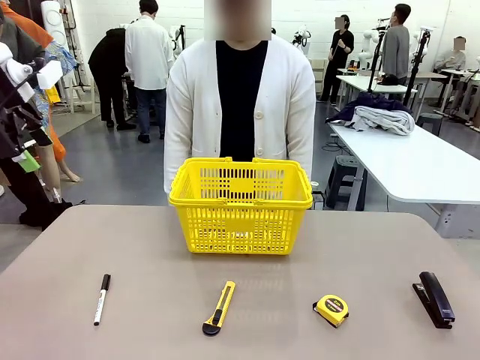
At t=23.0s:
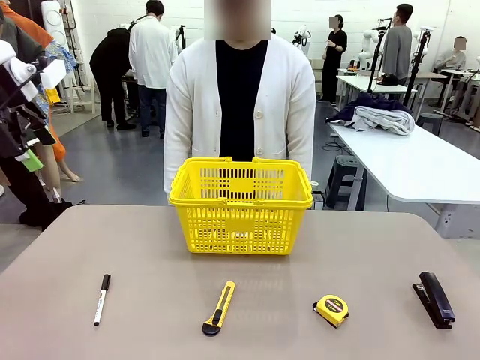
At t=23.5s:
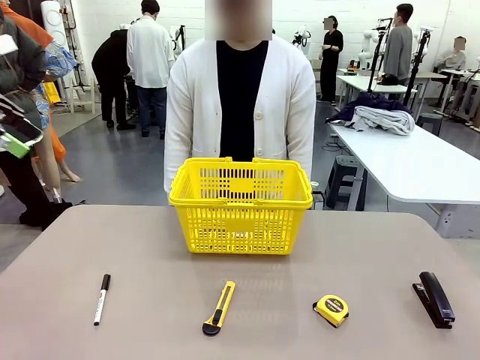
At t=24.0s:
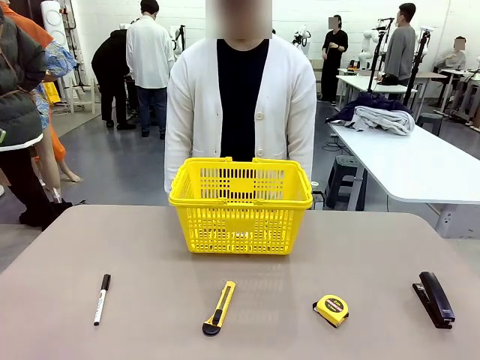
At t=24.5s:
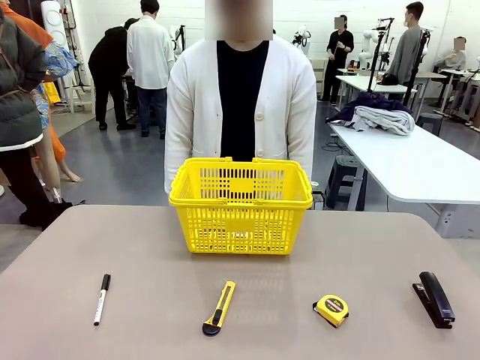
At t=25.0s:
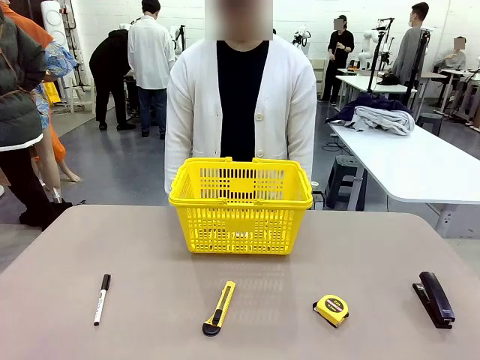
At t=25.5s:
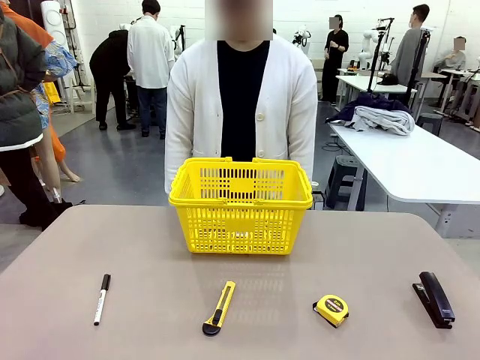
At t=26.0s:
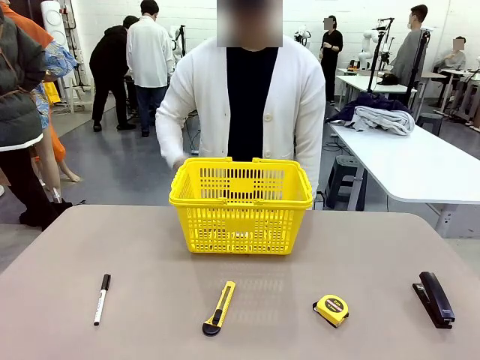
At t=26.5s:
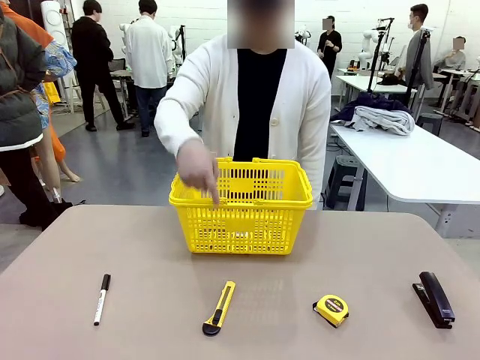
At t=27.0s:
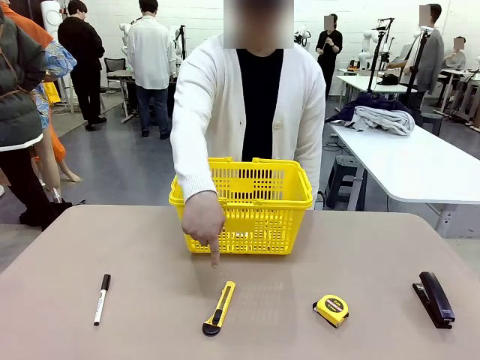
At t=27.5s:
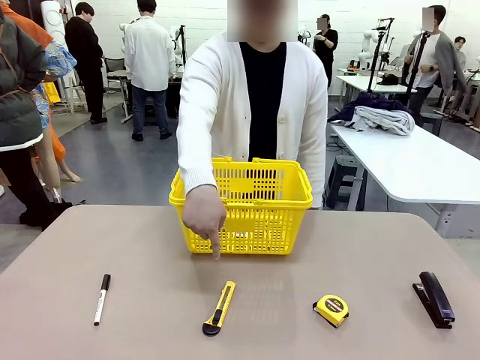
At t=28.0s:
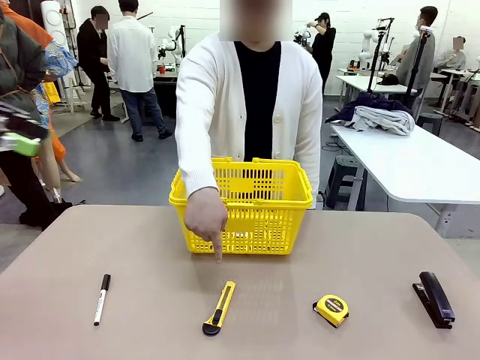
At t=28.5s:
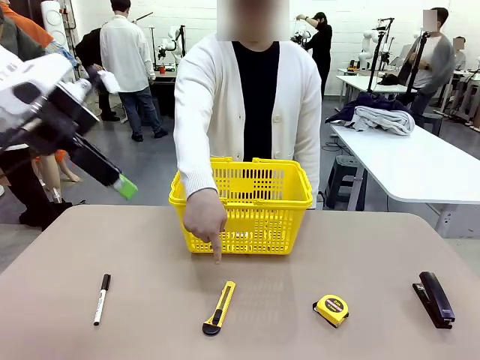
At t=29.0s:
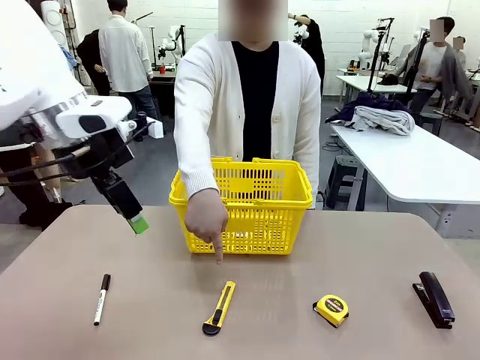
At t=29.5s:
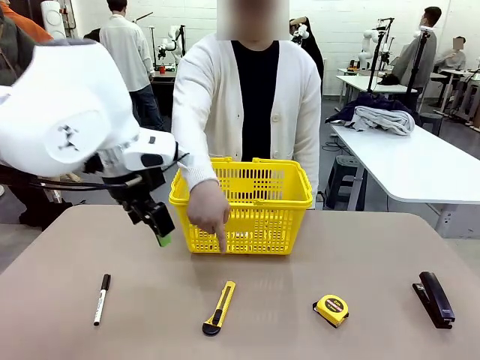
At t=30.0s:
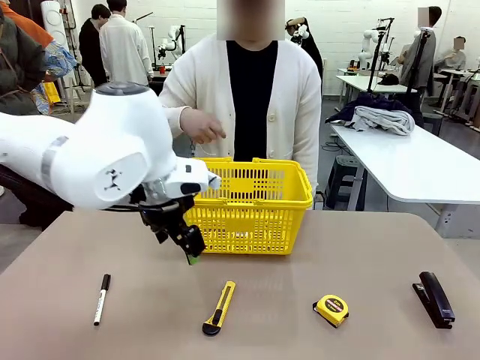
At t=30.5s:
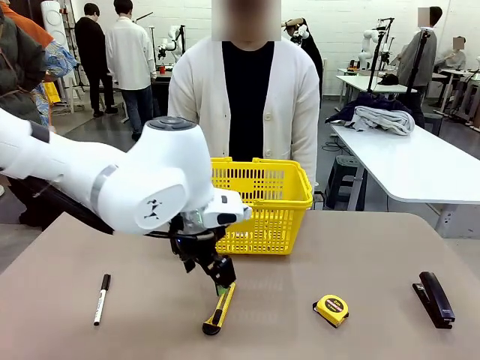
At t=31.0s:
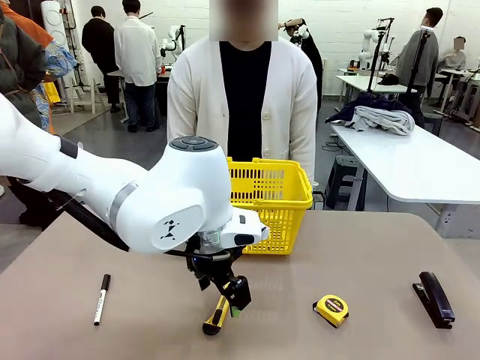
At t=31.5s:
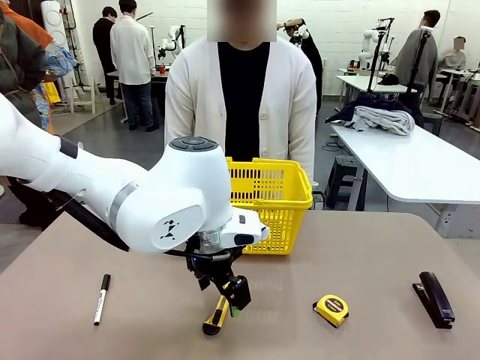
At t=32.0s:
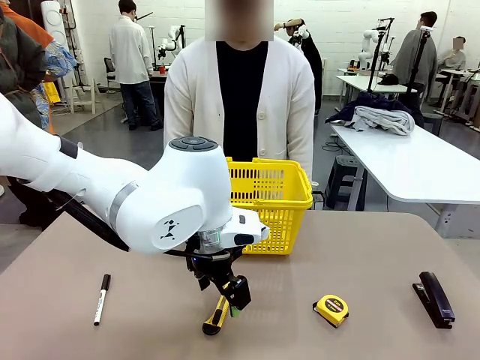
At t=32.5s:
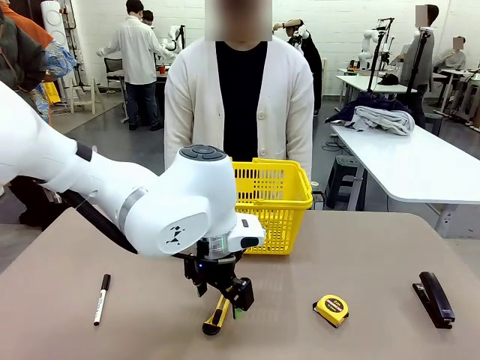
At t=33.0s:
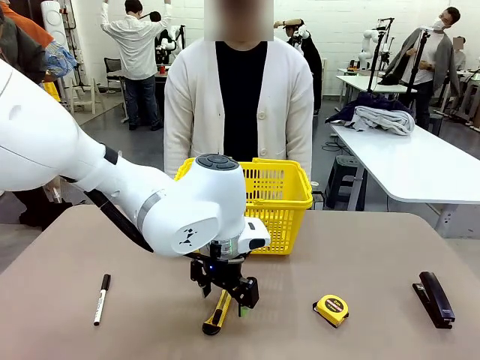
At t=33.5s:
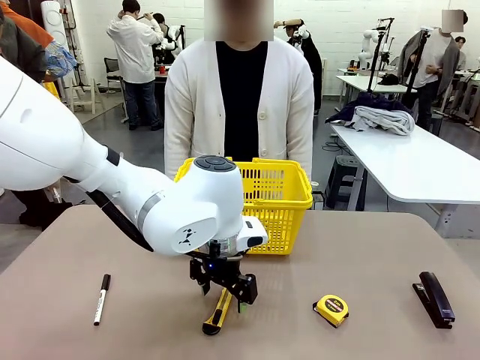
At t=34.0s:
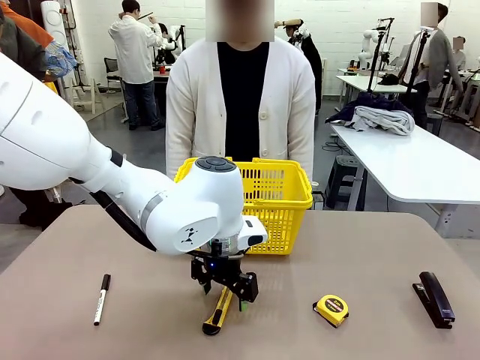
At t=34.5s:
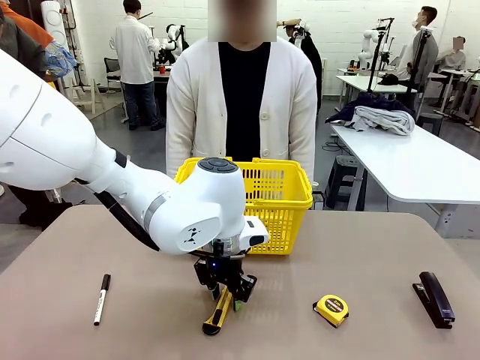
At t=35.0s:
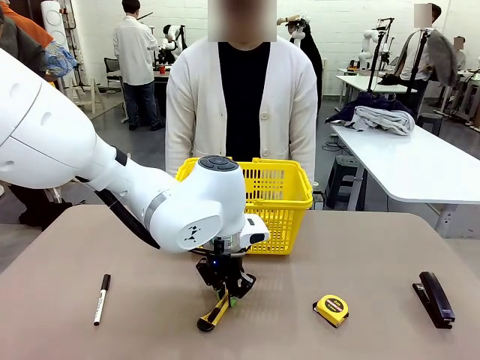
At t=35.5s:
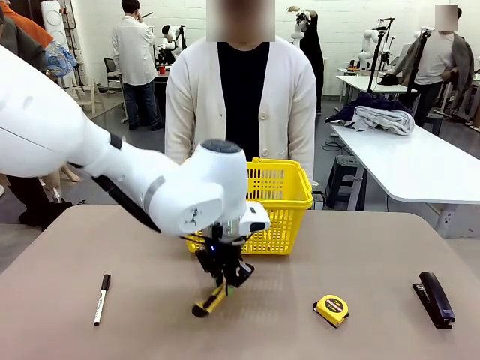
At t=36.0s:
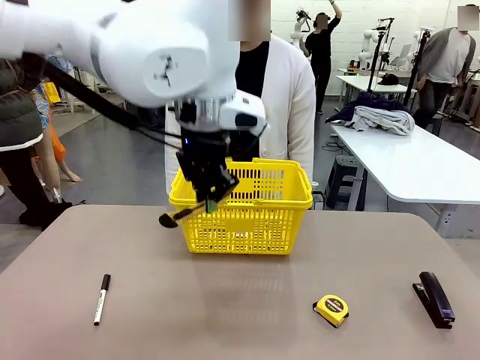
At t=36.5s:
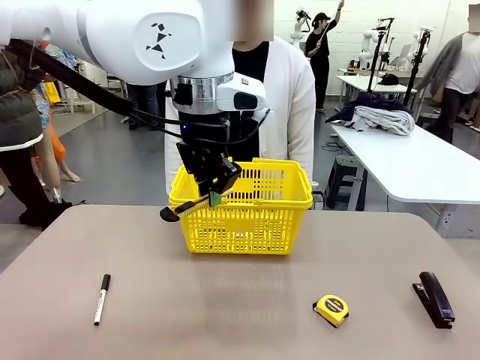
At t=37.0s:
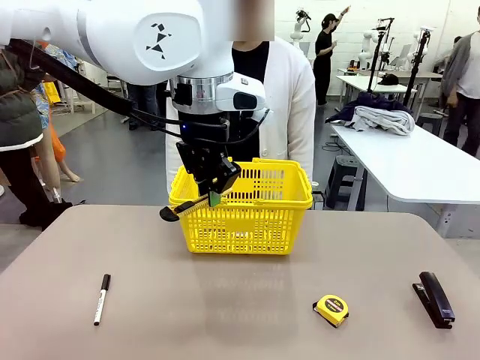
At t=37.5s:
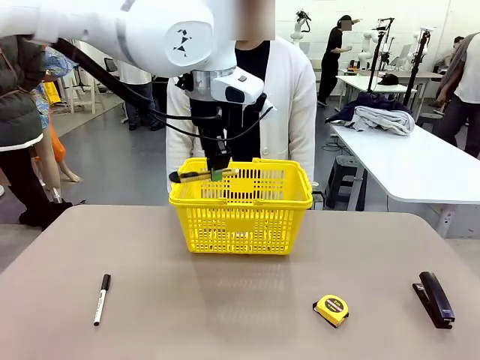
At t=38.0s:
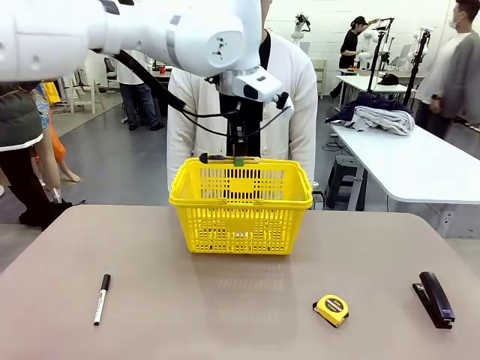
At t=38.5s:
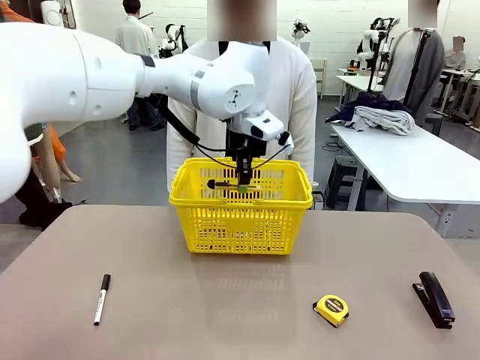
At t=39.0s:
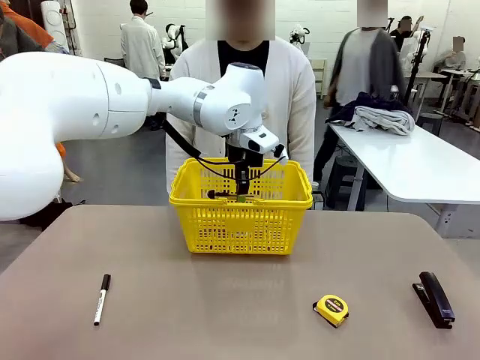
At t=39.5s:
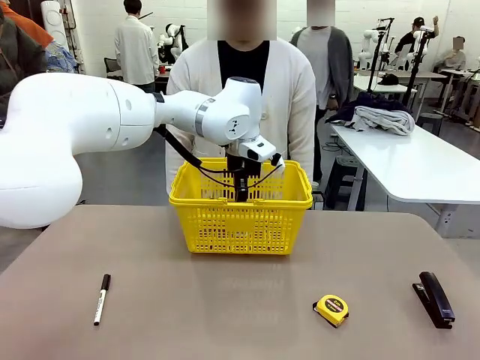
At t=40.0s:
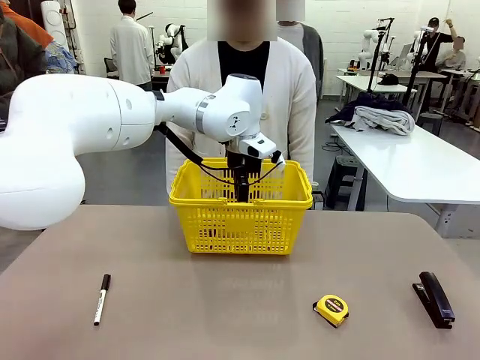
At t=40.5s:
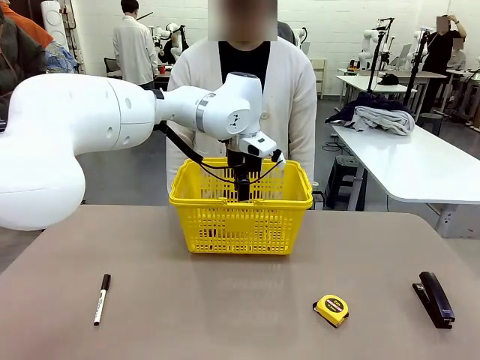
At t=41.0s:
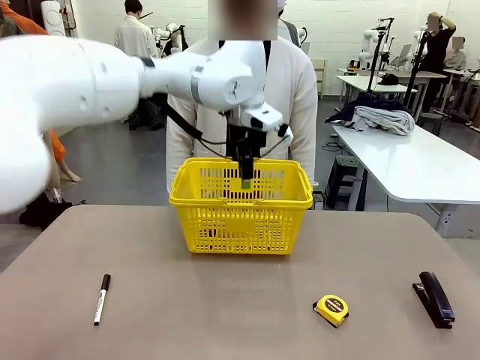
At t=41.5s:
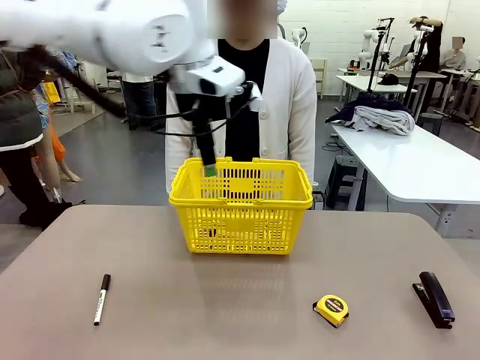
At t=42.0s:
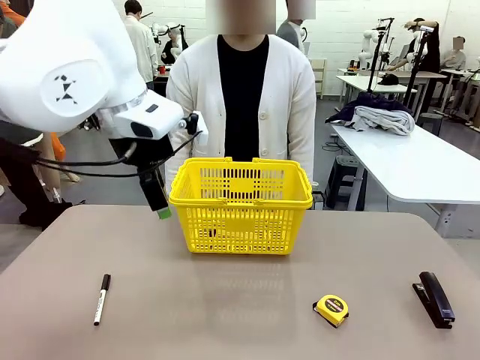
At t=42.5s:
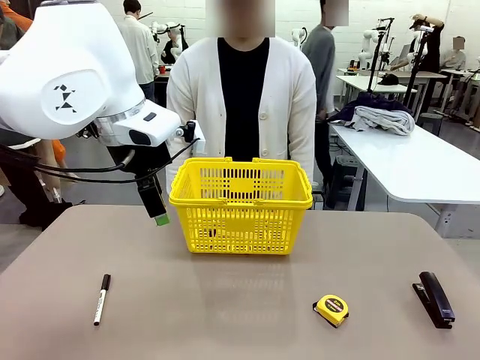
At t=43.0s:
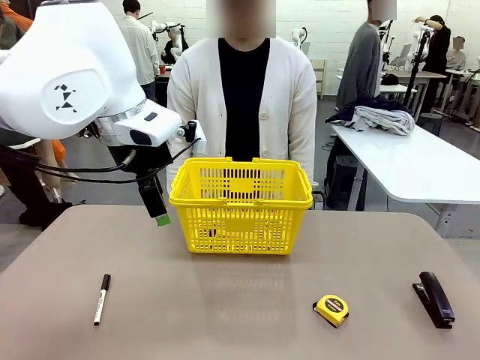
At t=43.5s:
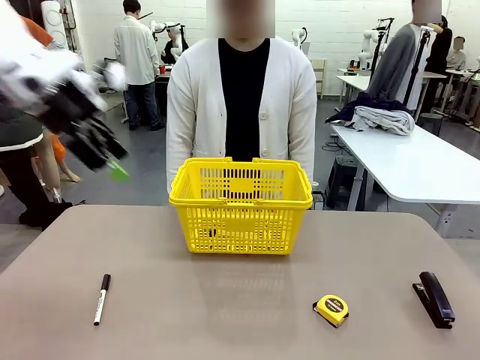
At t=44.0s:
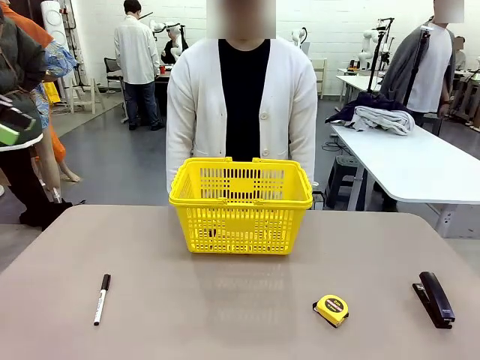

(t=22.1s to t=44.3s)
Task: Place the items the person wants into the basket.
Robot: Pick up the item the person points to and place it in the Market Basket.
